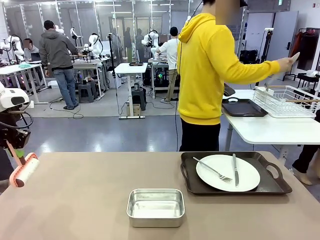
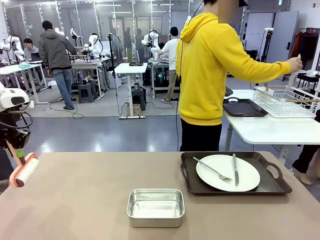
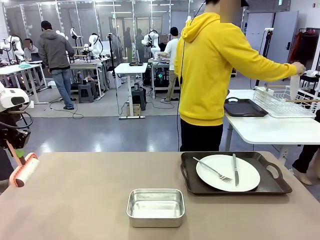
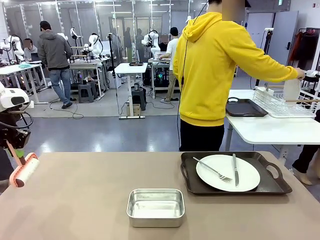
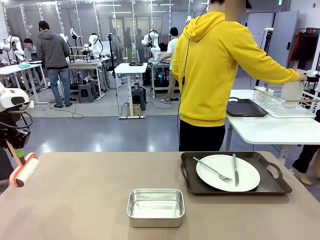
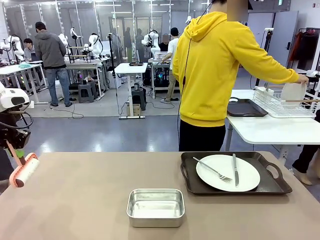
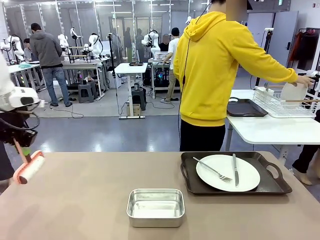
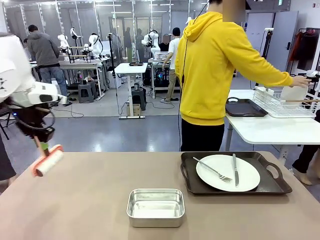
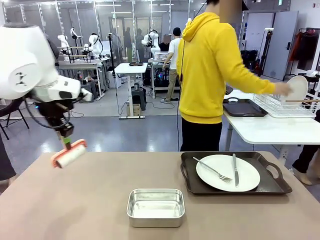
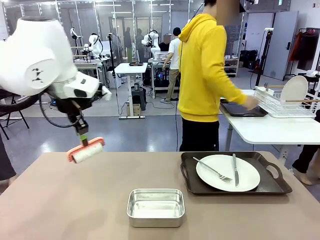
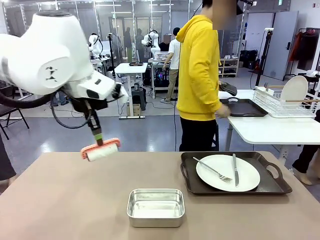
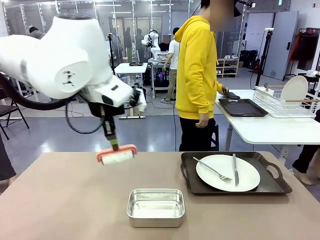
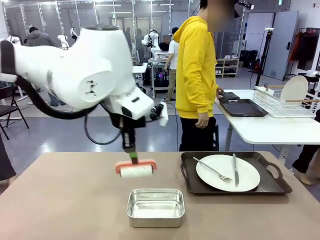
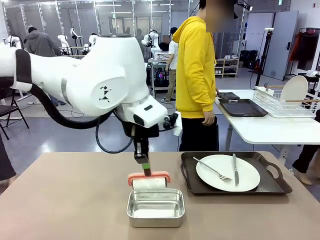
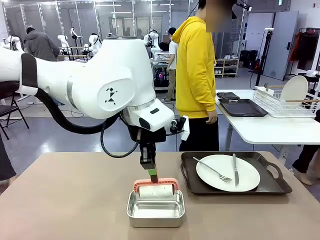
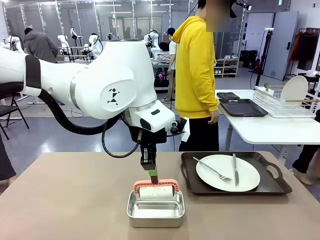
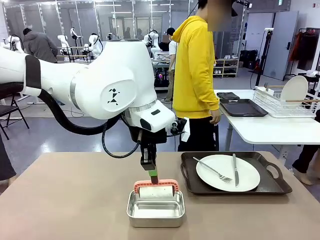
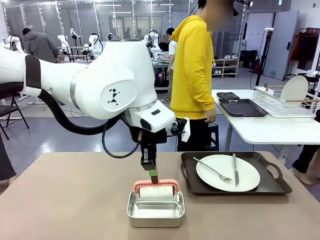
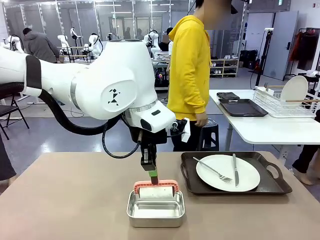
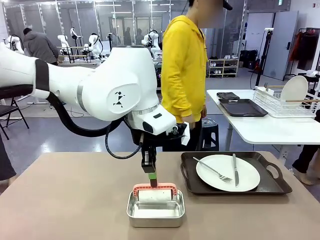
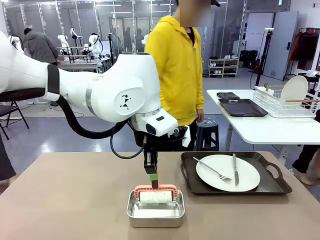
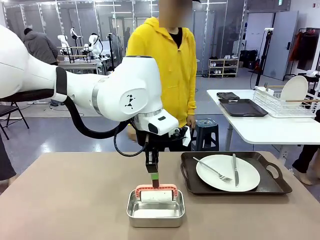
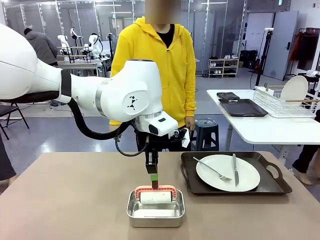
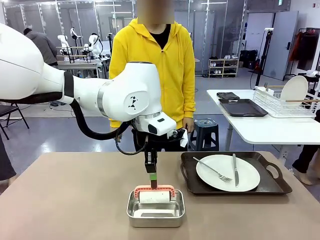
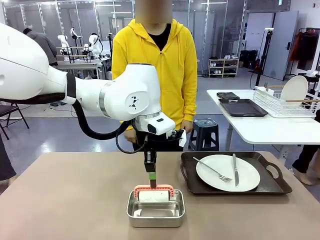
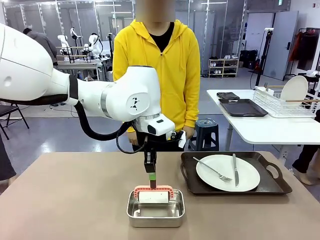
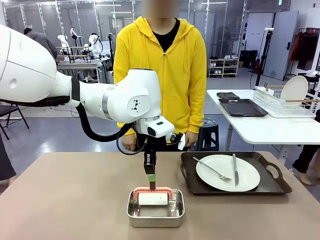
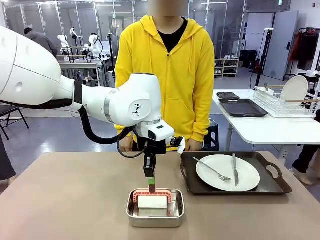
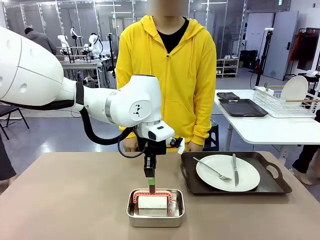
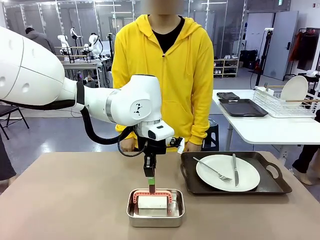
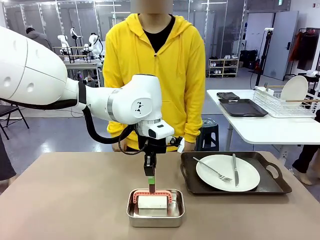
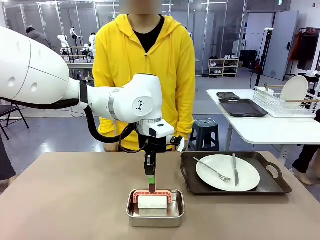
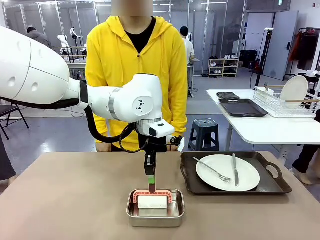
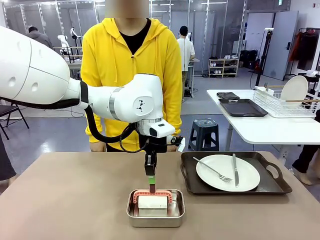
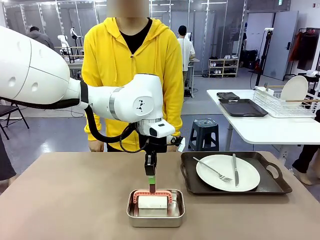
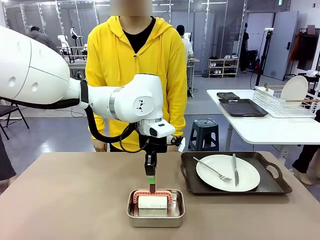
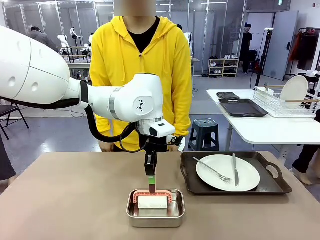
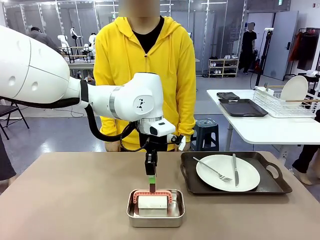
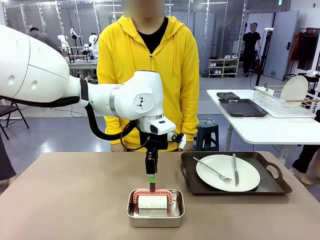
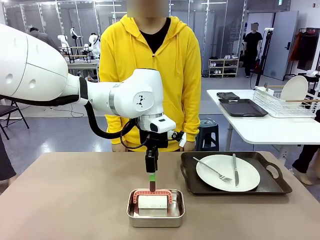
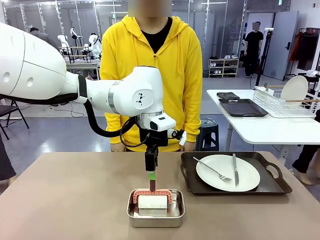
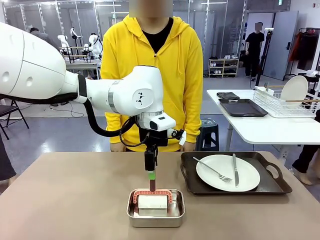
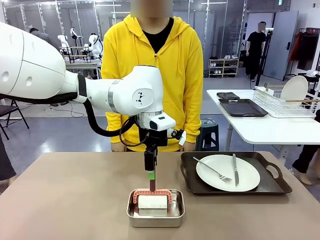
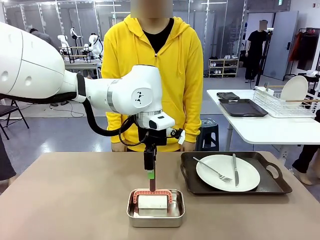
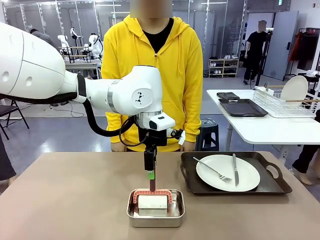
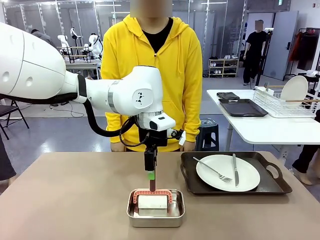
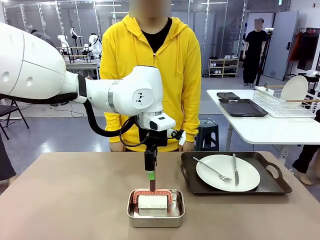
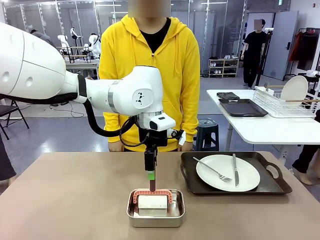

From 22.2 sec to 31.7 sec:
Robot: Place the Lint Roller back on top of the Airtight Container.
